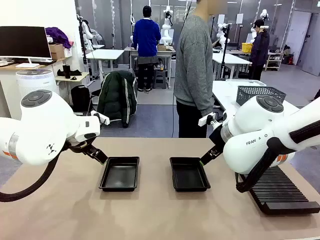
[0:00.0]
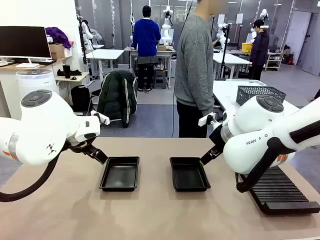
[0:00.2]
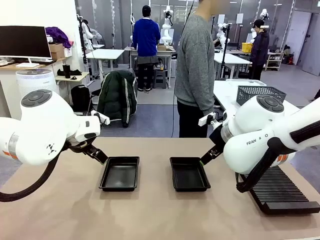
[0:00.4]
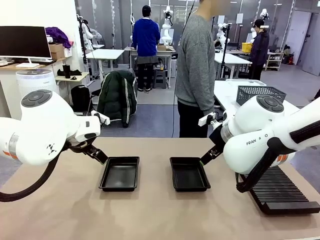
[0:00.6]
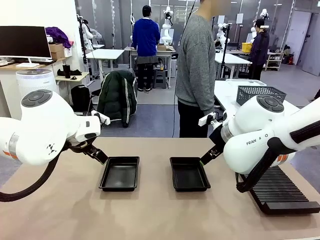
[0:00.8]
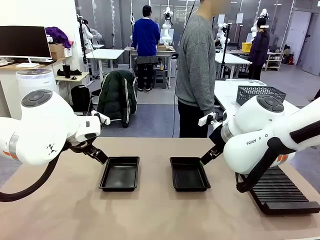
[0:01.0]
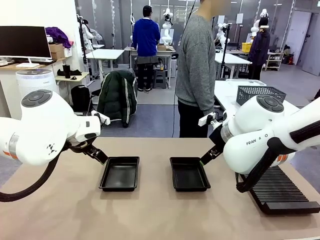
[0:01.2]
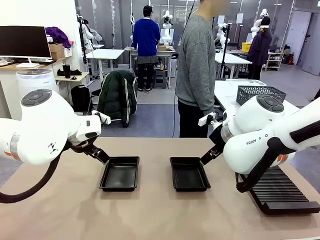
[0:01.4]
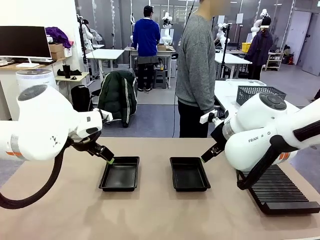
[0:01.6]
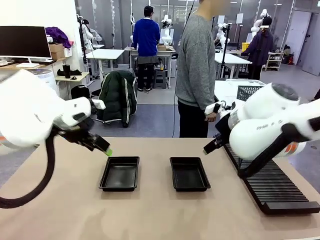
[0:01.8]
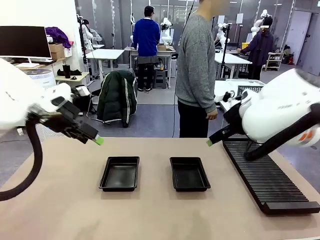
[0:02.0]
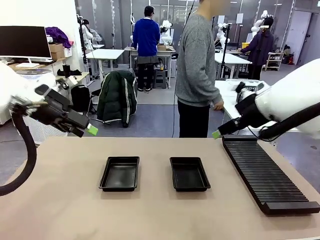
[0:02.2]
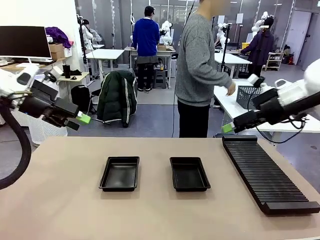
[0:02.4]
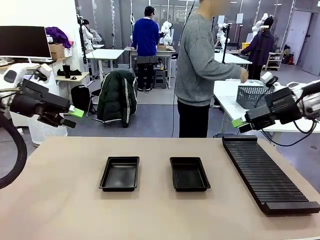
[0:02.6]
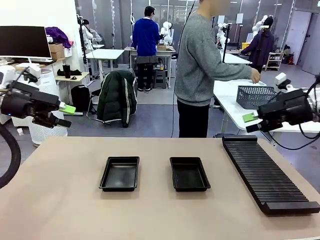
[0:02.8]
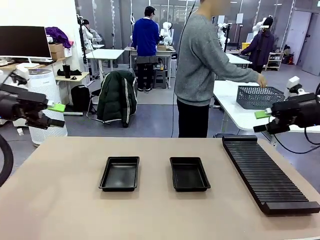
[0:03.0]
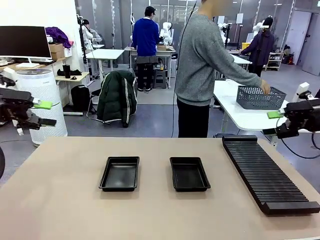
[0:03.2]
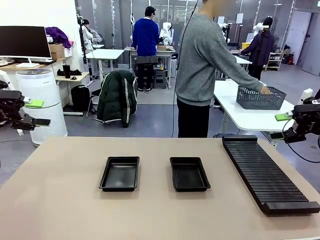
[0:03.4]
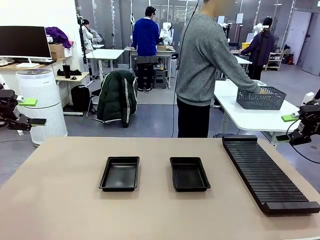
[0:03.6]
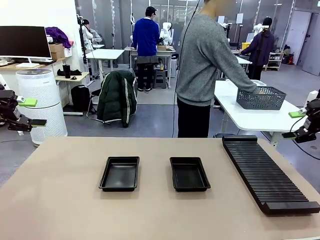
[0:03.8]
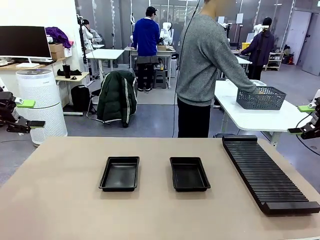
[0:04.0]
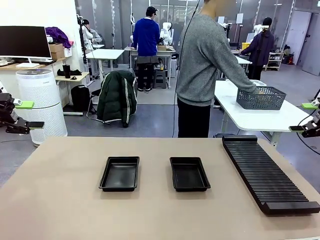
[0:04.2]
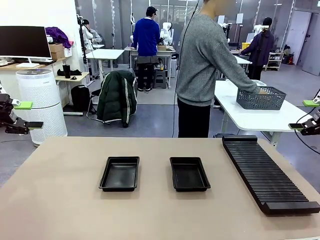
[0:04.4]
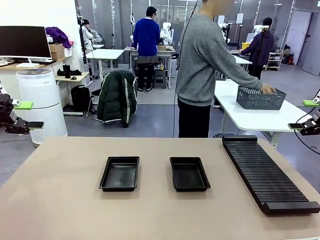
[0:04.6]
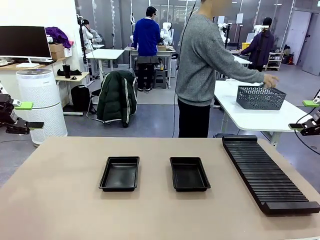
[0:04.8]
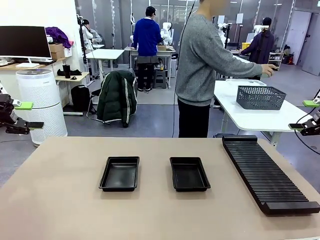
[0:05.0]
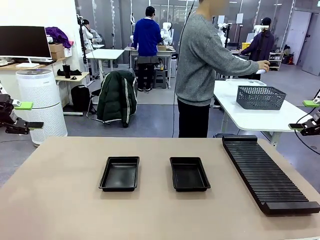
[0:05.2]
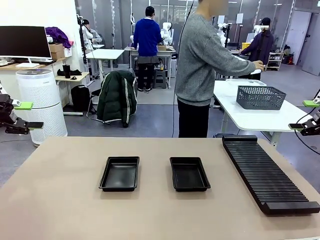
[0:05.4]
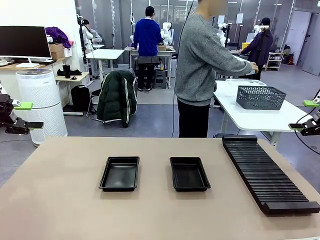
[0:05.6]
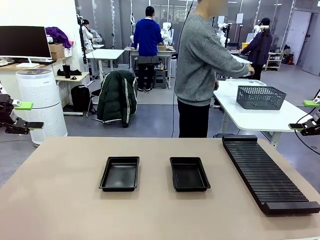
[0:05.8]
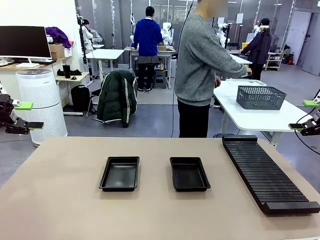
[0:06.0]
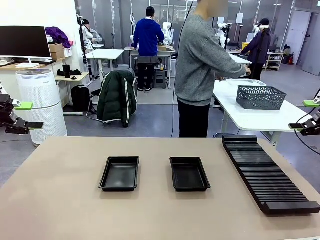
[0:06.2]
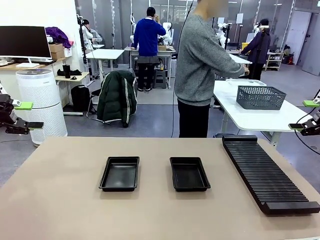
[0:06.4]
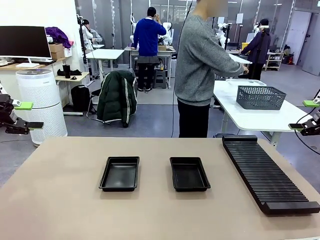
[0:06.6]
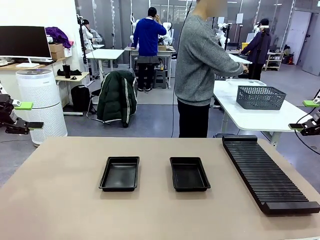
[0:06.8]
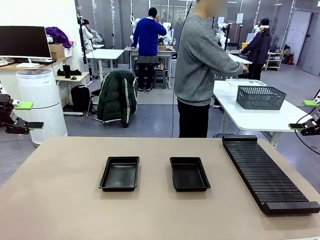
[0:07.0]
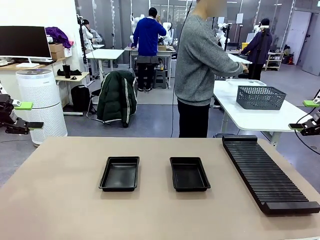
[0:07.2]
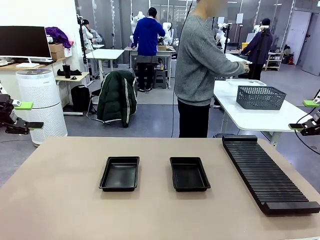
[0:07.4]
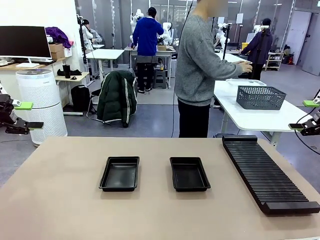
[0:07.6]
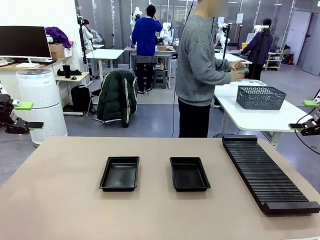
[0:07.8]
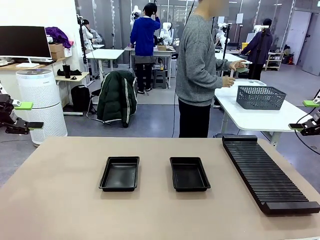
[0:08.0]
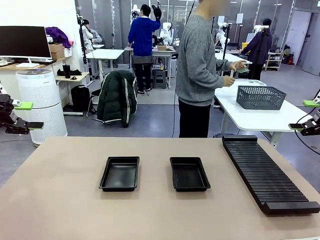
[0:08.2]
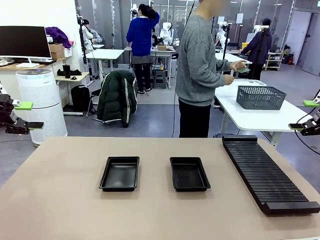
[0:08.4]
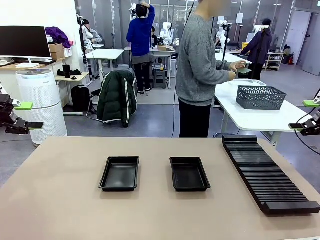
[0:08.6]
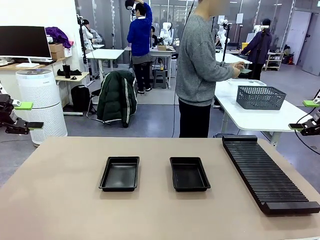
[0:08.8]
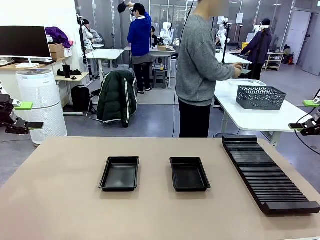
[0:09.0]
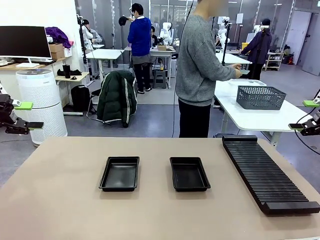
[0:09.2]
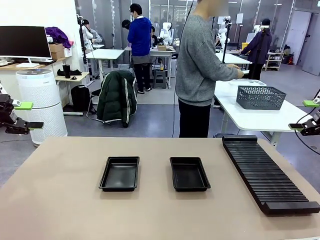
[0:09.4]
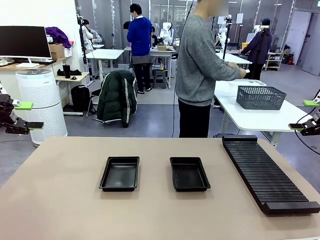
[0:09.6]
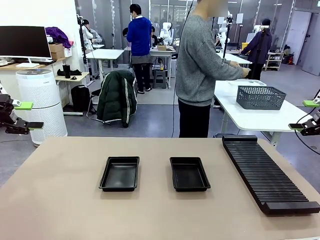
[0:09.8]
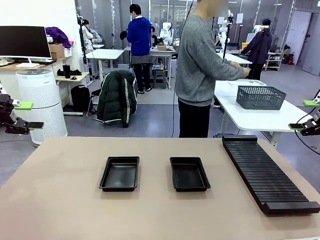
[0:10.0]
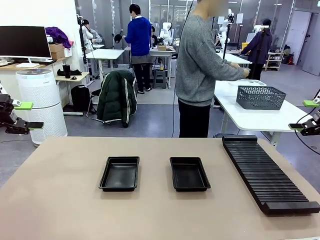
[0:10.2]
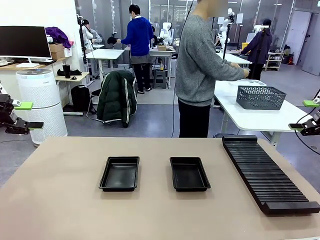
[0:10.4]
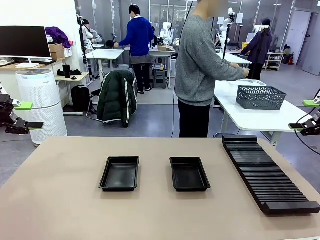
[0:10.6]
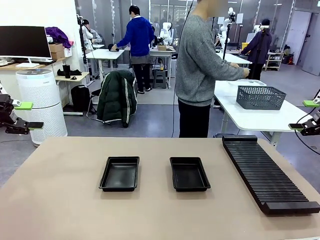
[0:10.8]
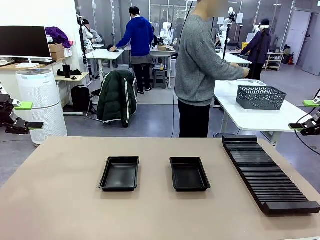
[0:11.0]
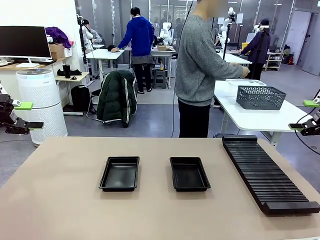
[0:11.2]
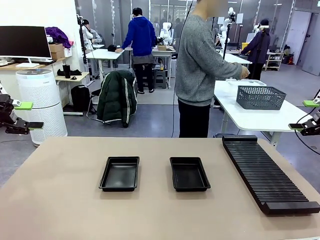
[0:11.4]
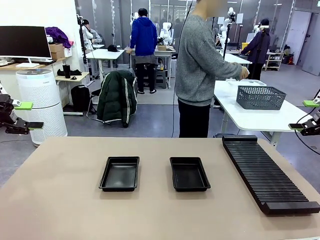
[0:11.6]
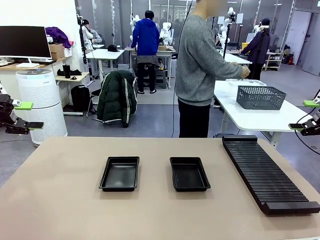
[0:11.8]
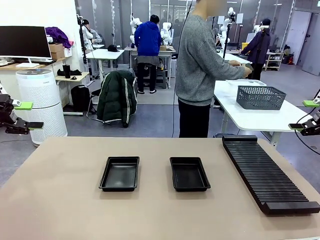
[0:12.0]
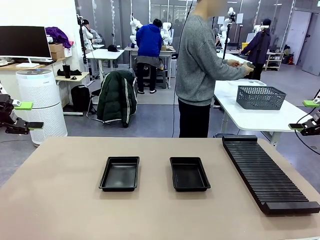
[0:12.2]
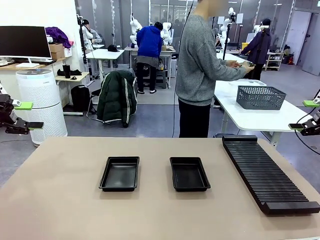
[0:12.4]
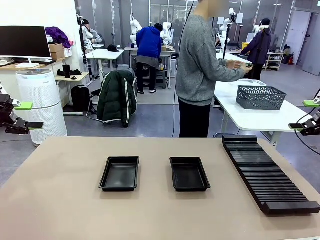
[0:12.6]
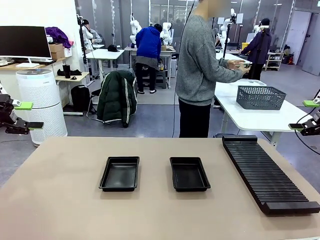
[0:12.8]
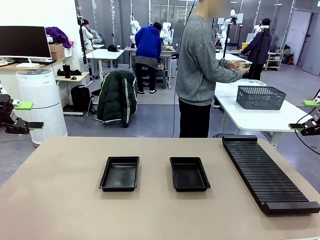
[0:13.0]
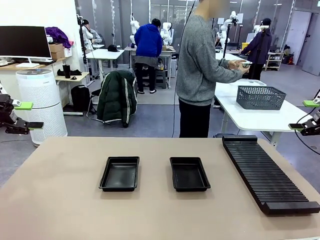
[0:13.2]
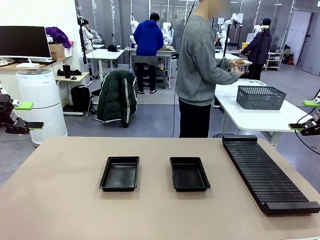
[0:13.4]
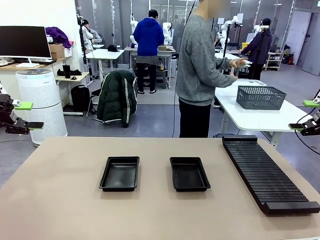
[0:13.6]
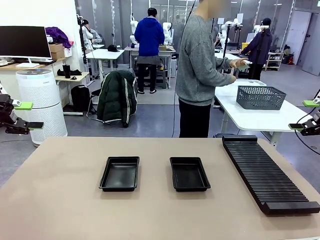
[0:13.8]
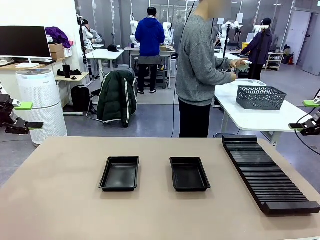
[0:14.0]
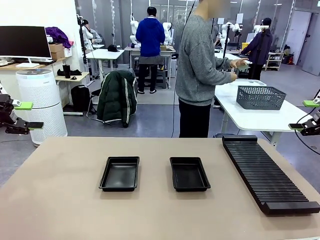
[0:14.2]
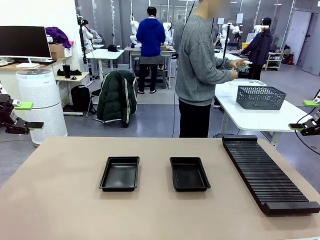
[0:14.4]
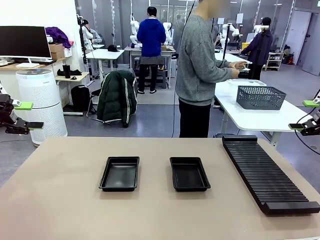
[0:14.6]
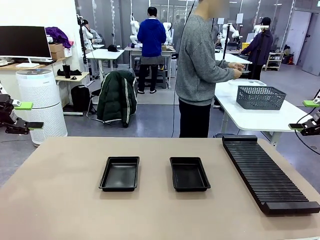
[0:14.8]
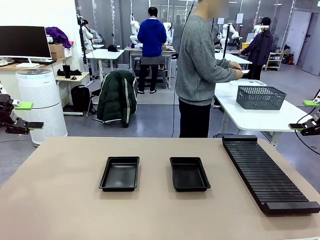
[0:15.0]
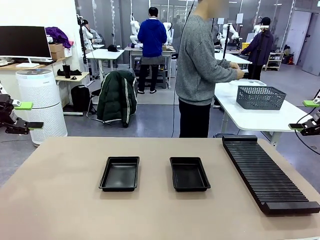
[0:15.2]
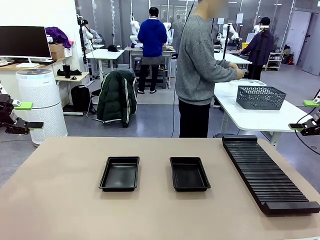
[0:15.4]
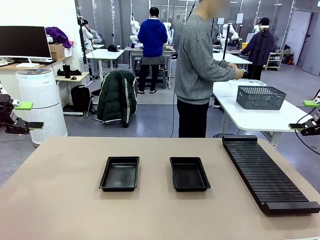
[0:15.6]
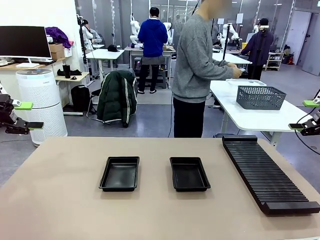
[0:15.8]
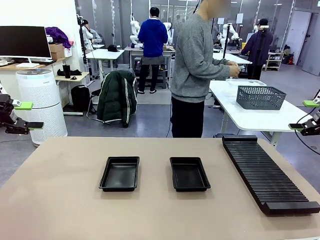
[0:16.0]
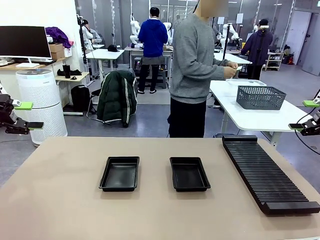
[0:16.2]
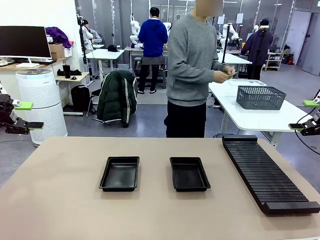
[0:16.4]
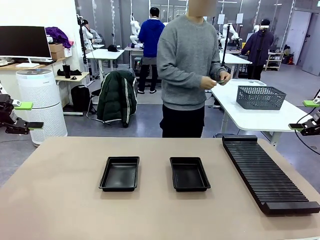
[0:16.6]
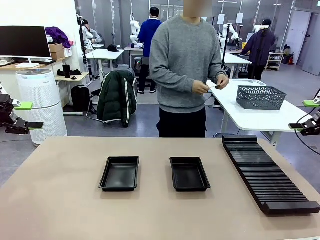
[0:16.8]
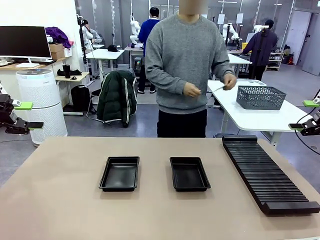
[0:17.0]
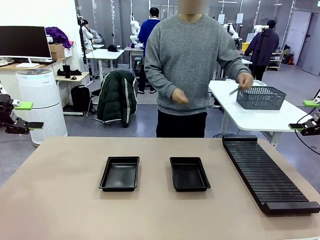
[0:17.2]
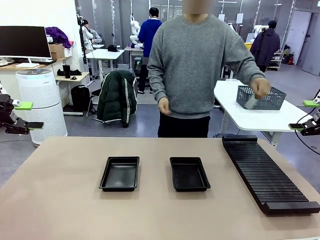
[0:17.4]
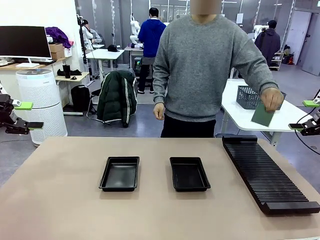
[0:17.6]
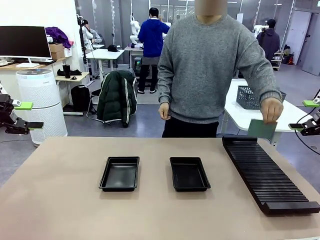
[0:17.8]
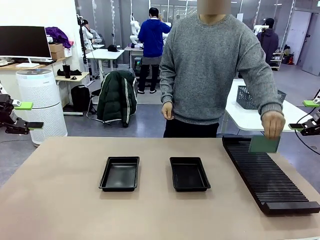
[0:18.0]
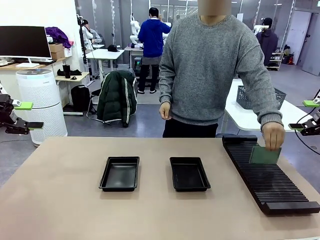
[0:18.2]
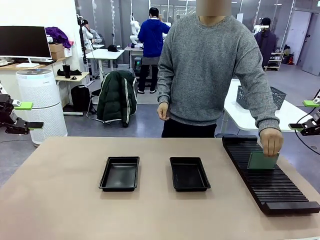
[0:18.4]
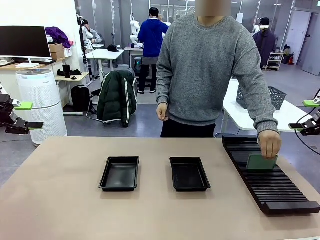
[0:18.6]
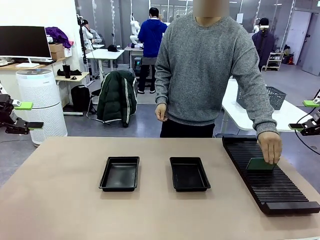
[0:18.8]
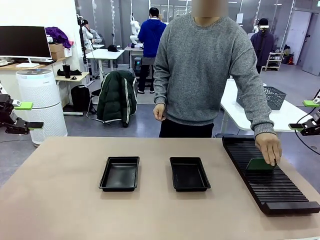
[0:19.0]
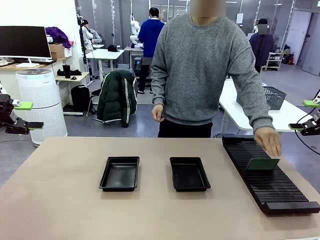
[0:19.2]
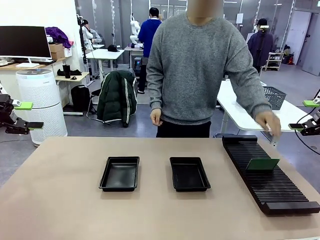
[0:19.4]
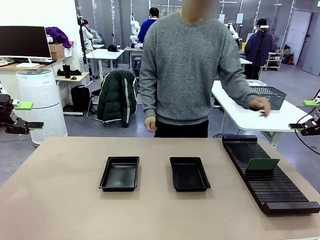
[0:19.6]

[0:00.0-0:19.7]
Task: Inspect and transfer BCBs to ESD trays.
Robot: Pick up the Blank PCB from the PCB Rack and place it in the left ESD tray.
